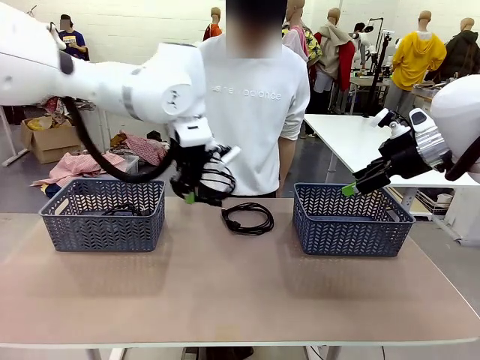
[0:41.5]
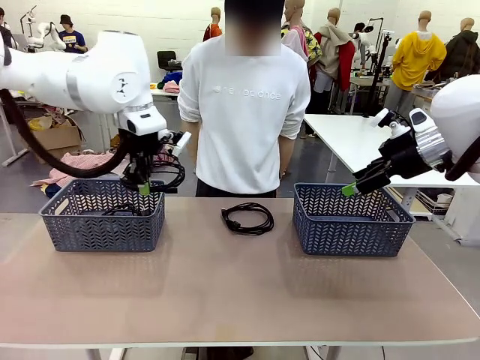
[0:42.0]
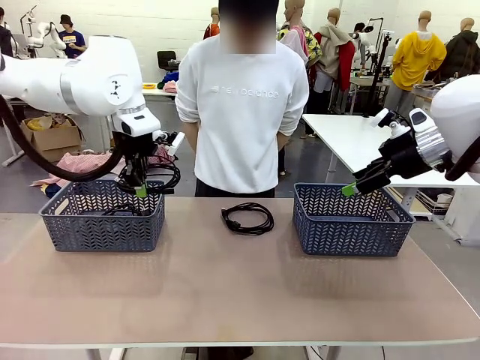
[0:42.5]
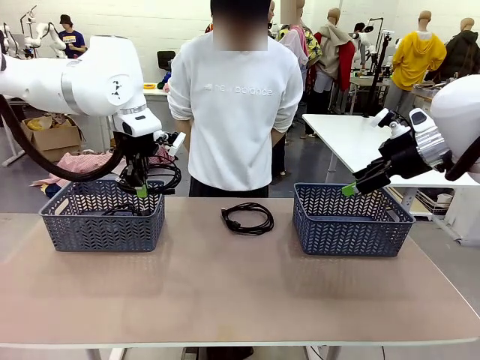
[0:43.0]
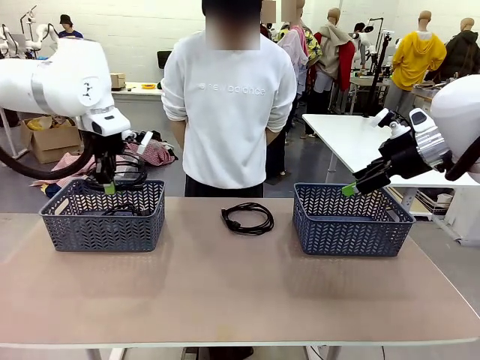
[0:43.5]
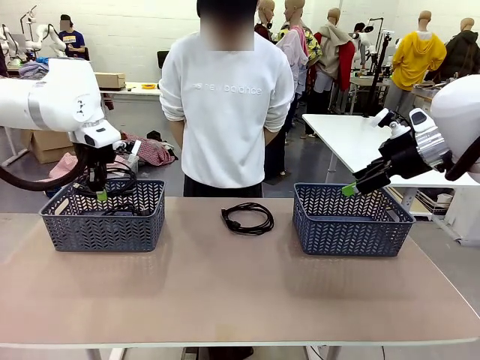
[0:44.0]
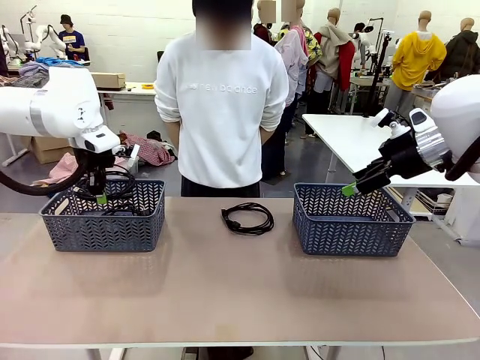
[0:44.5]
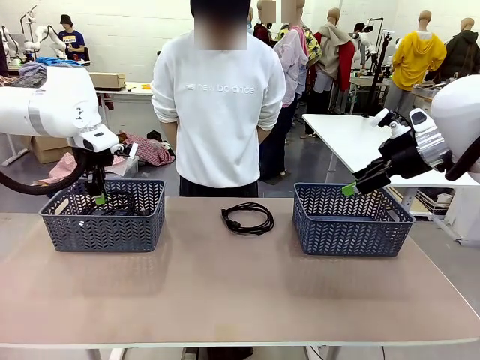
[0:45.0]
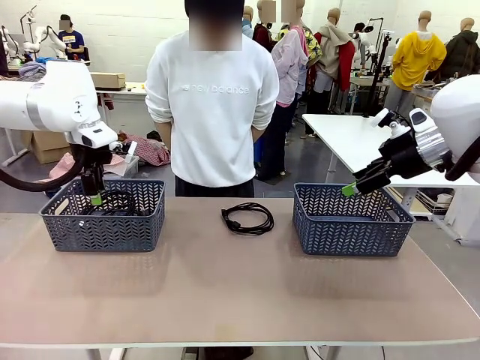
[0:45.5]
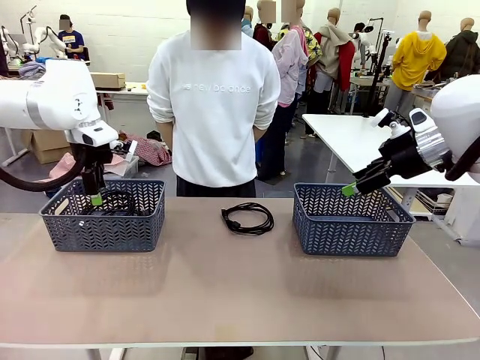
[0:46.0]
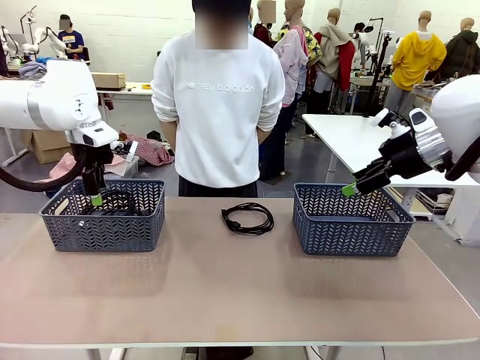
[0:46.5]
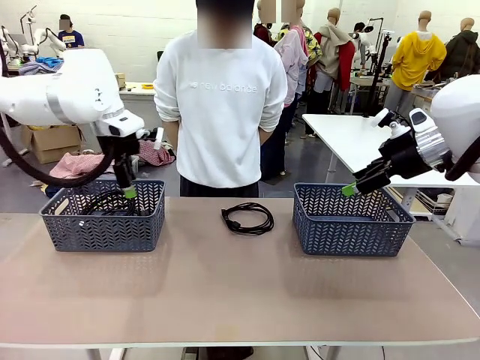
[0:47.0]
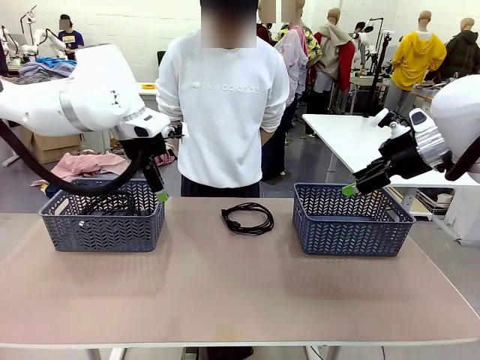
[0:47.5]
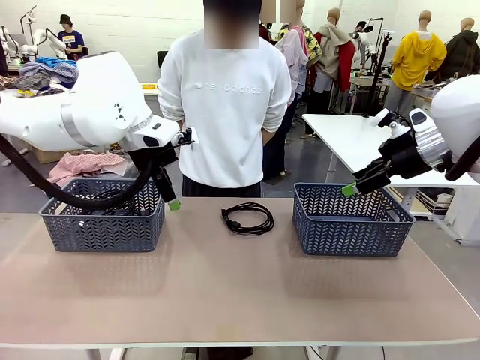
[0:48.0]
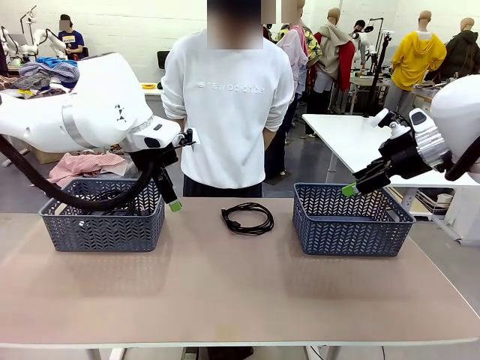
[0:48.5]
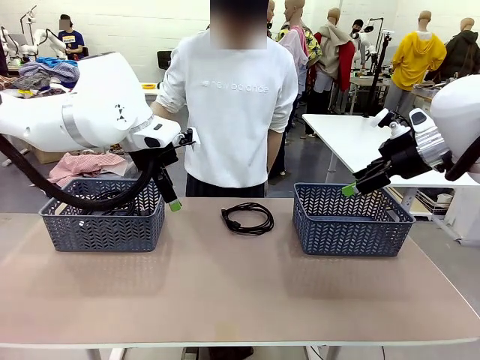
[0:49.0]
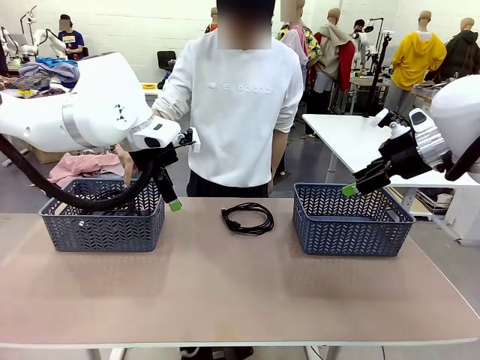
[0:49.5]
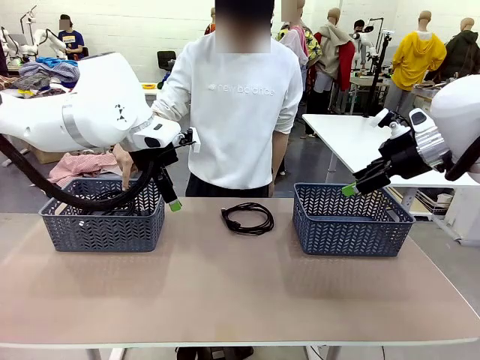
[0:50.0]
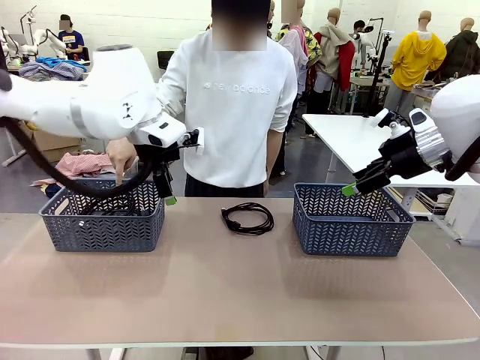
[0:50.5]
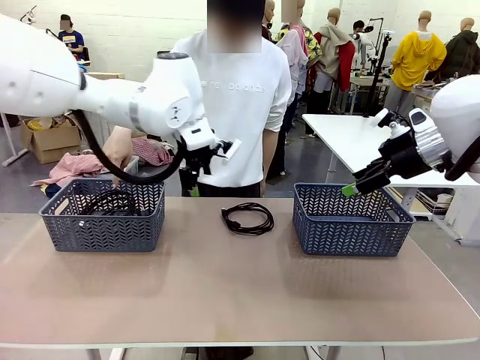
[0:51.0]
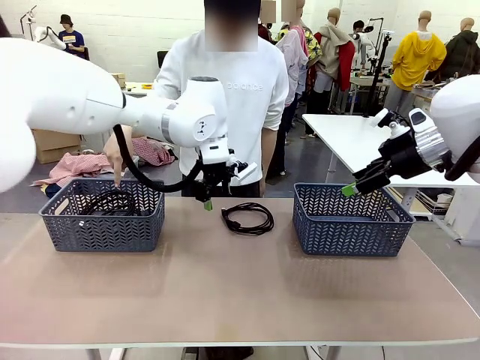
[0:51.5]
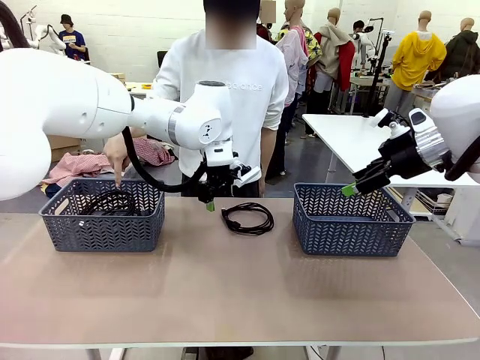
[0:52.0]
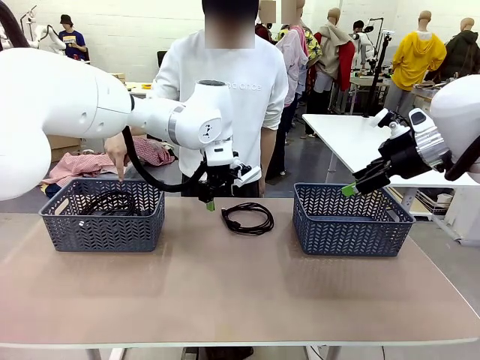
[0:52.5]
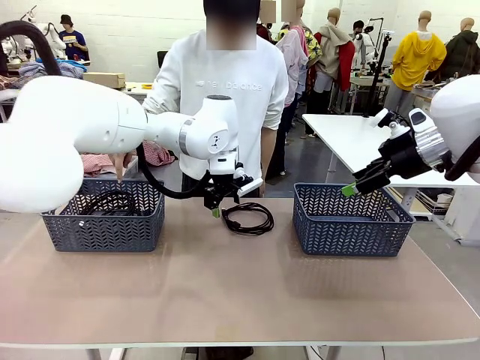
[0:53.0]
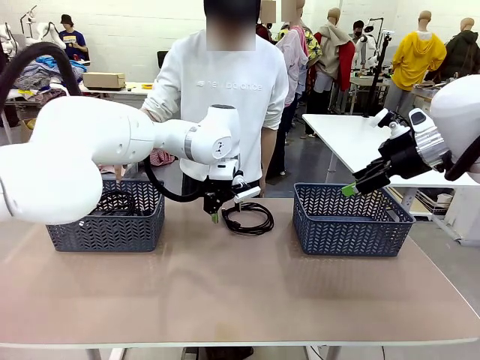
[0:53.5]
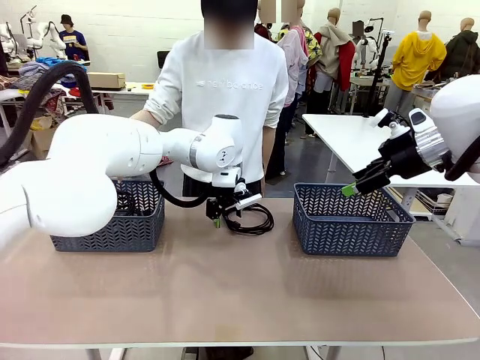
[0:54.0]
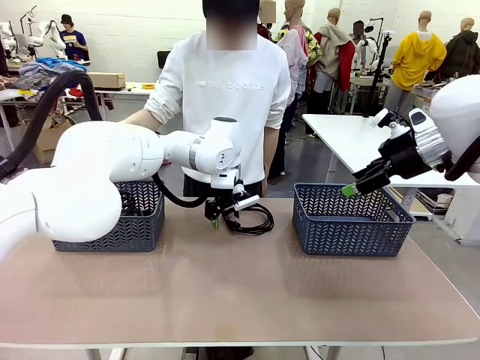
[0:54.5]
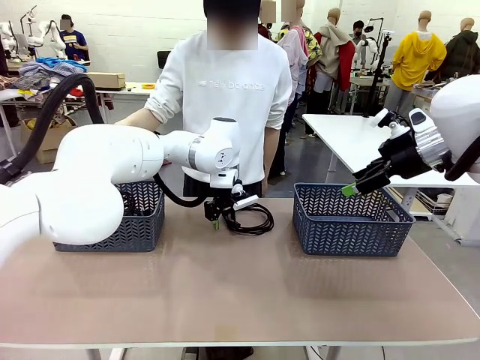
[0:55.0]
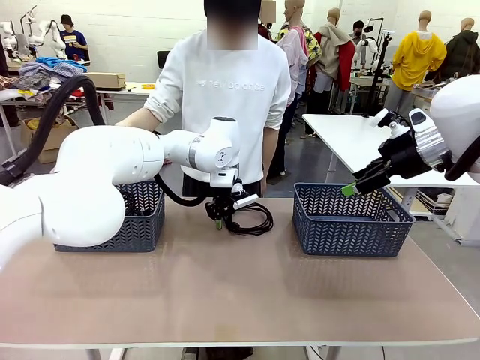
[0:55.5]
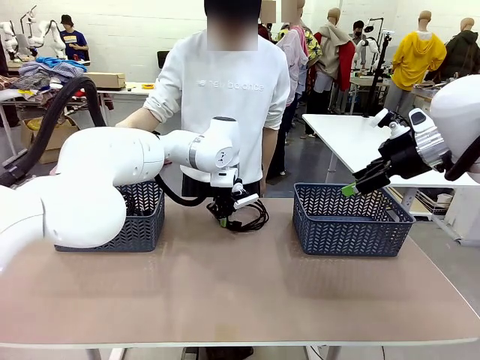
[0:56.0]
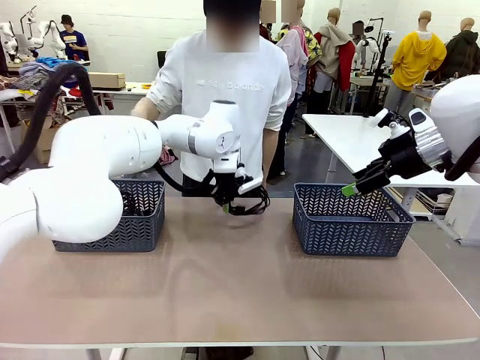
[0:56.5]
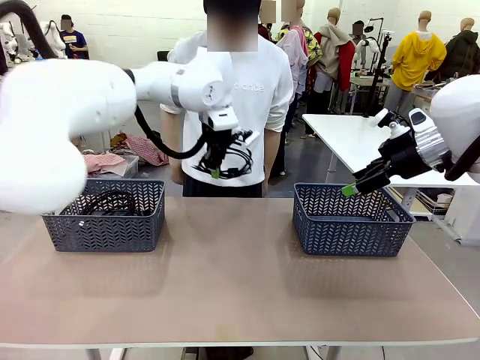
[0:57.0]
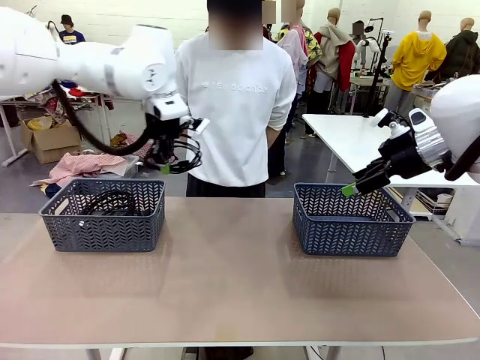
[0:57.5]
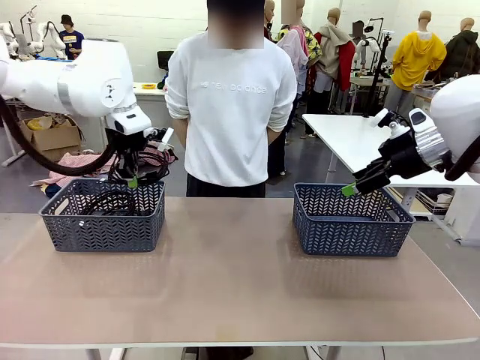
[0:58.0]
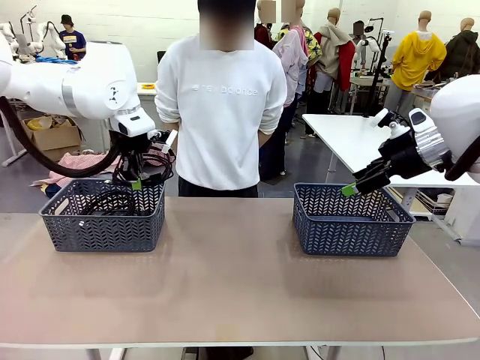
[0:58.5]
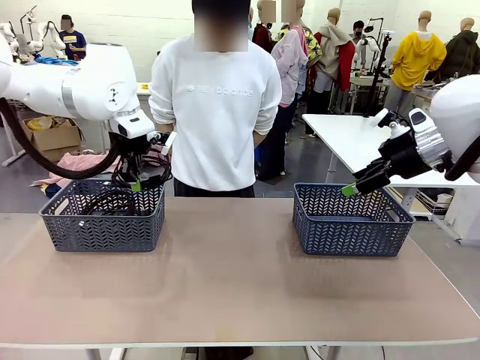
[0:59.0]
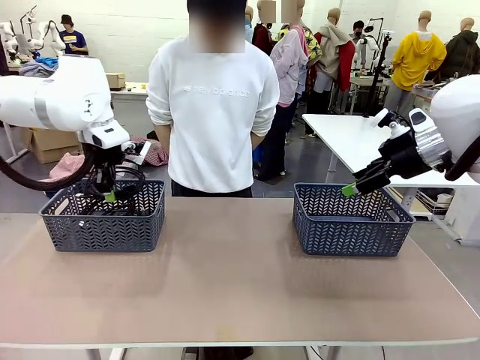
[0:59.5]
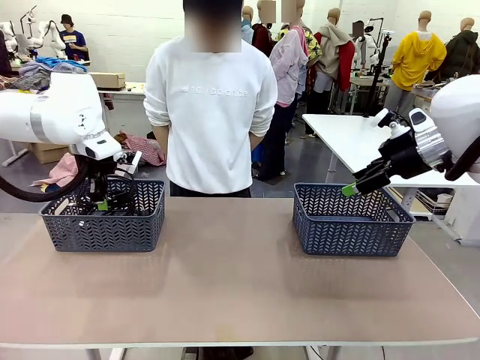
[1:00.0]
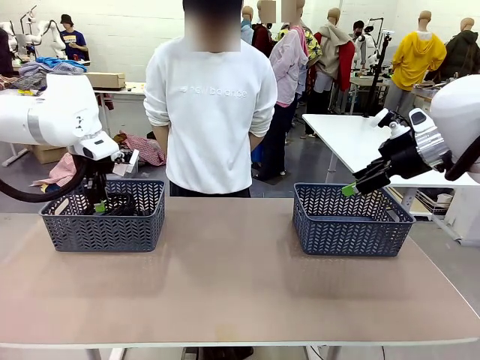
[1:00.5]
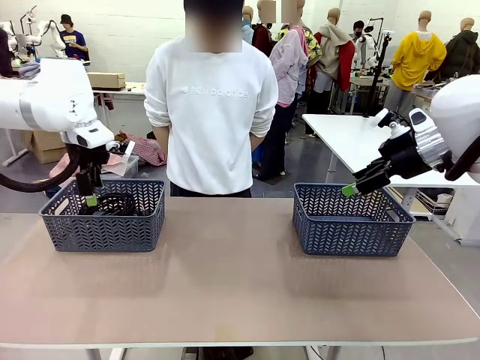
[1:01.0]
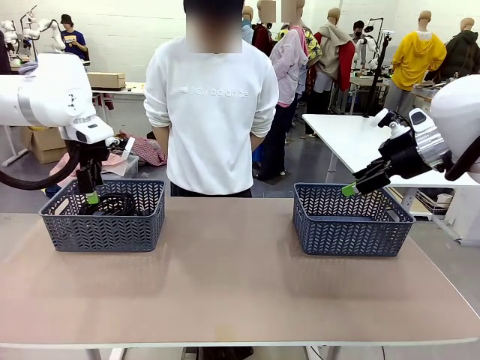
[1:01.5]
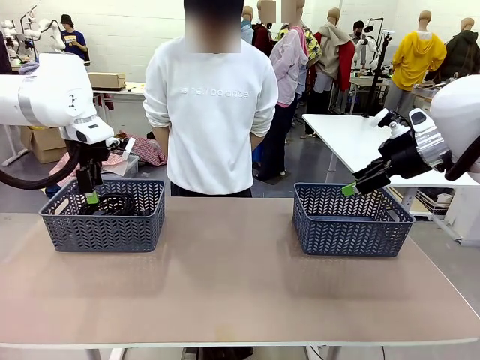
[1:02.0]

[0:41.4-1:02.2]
Task: Organize the cables according to human instructions.
Robot: Pick up a bundle of cables and place it in the basket indicated by the human.

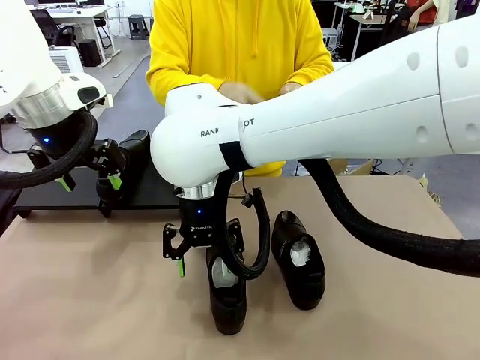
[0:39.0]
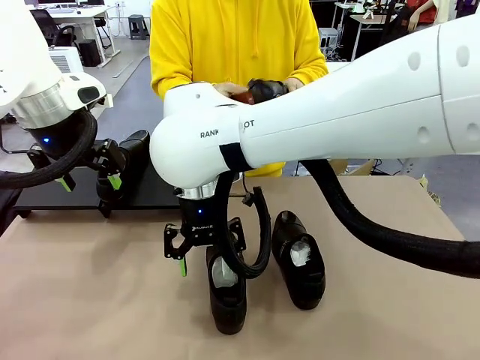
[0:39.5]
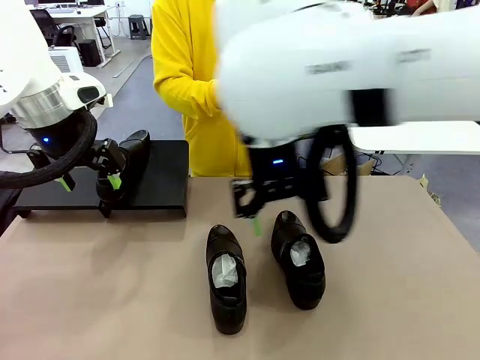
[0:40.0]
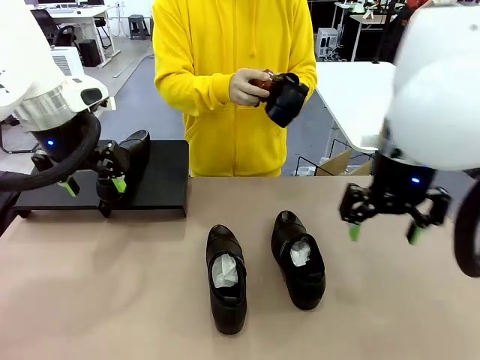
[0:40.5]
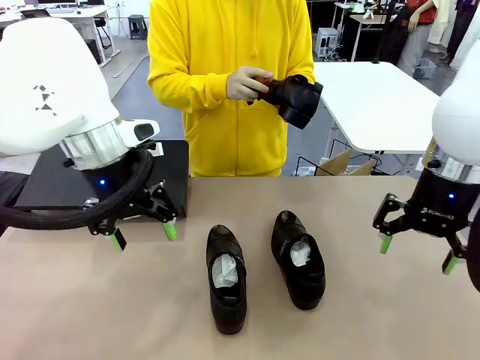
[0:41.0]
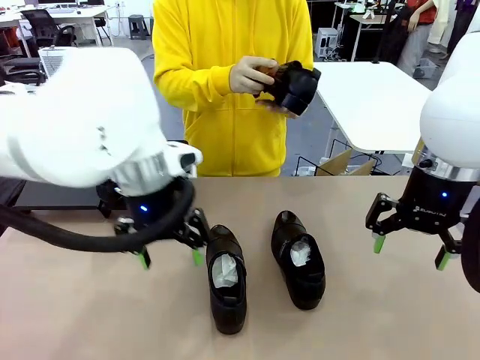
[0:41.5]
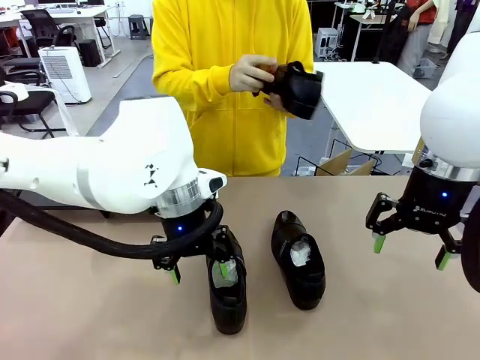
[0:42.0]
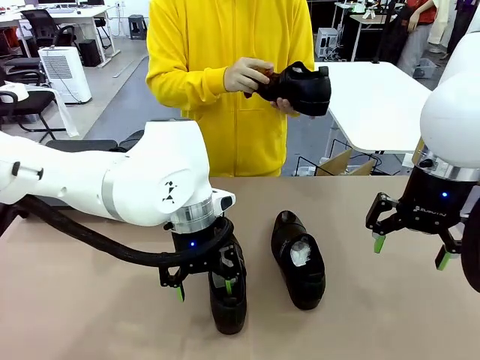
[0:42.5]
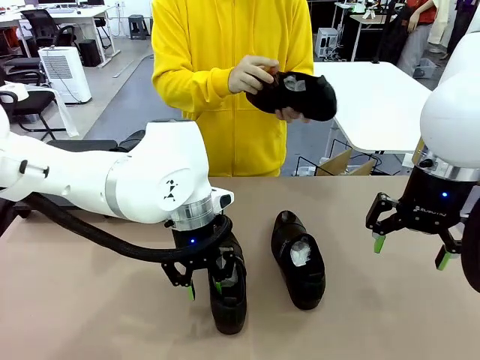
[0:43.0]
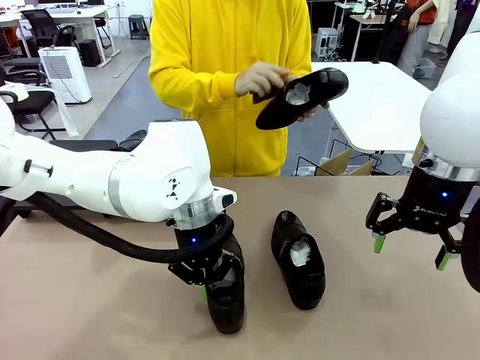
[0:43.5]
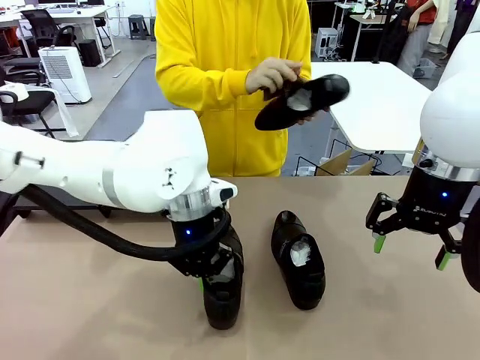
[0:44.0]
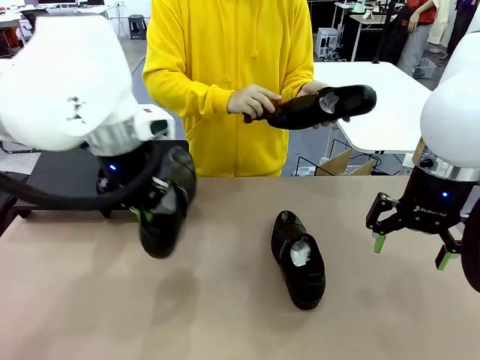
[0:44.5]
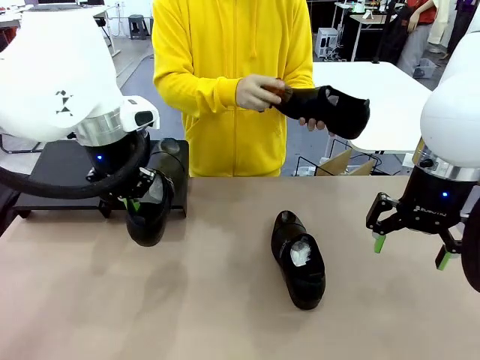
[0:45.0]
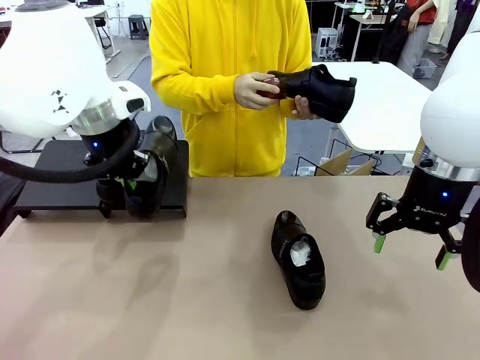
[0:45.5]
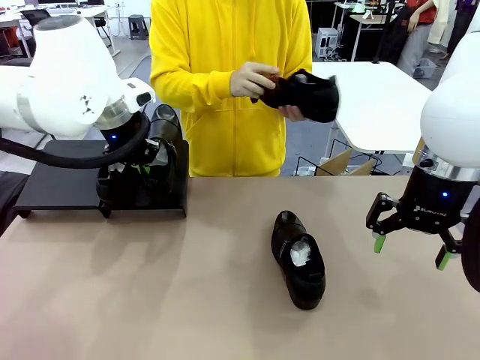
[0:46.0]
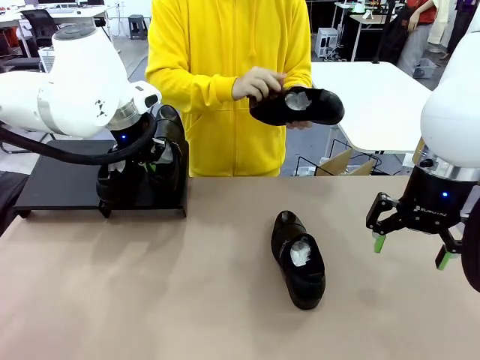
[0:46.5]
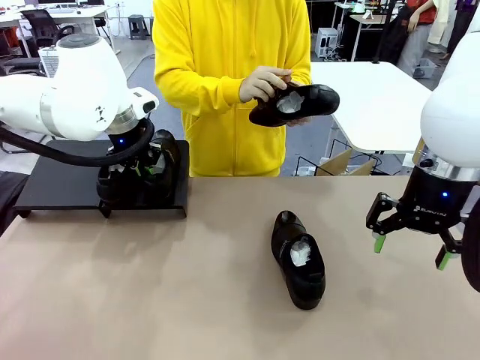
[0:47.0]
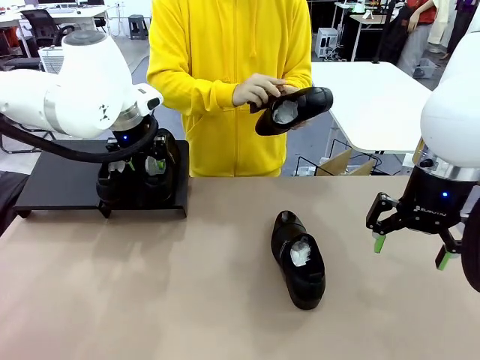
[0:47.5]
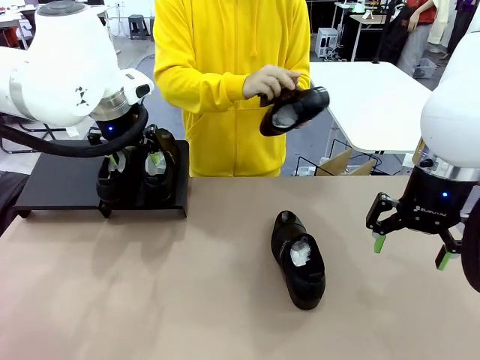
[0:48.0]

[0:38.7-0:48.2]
Task: Organize the shoes by placing them on the stand.
Robot: Place the Shoe from the middle of the table onto the Shoes Stand.
